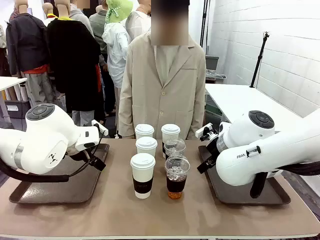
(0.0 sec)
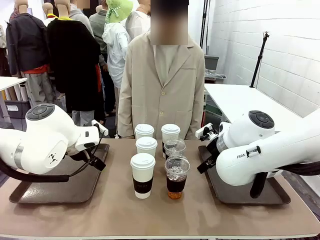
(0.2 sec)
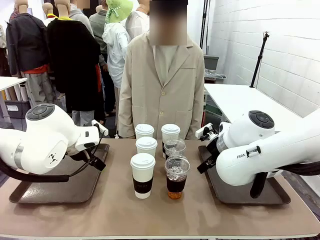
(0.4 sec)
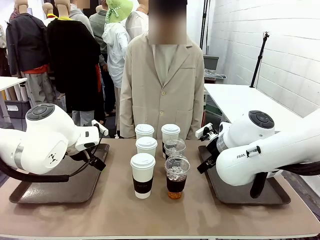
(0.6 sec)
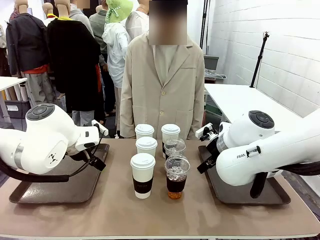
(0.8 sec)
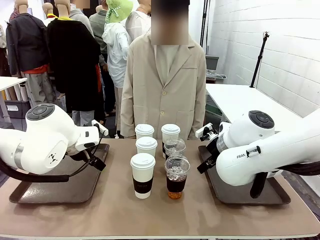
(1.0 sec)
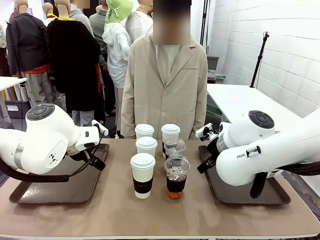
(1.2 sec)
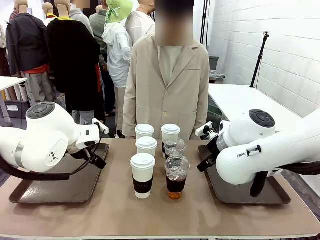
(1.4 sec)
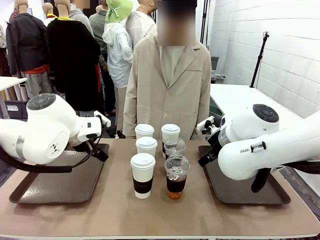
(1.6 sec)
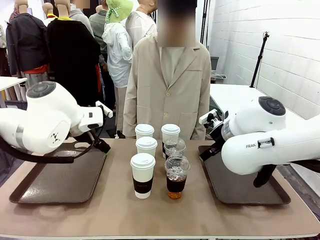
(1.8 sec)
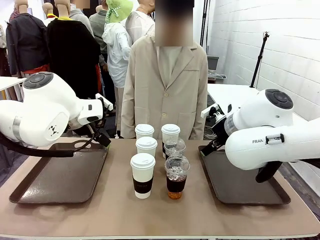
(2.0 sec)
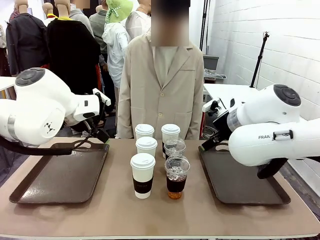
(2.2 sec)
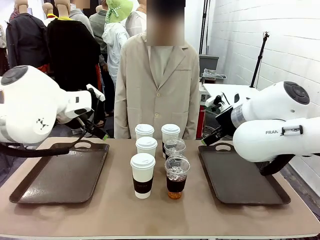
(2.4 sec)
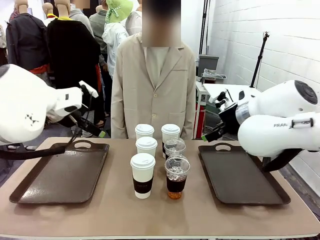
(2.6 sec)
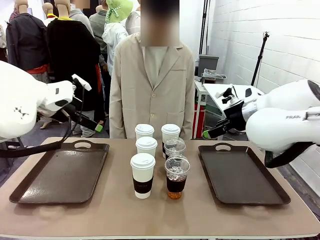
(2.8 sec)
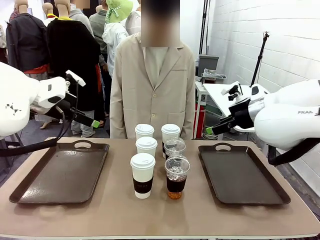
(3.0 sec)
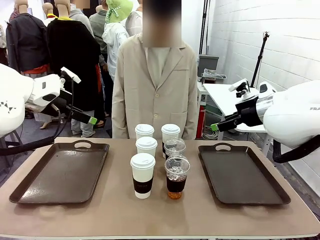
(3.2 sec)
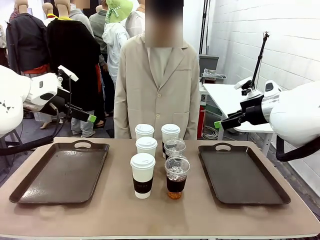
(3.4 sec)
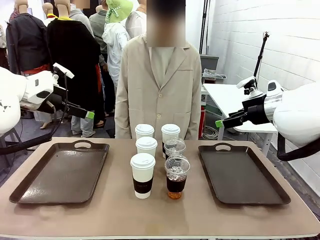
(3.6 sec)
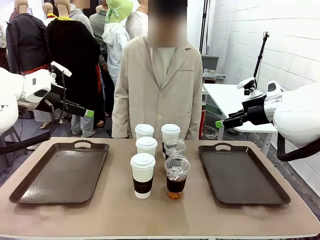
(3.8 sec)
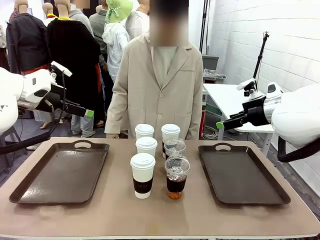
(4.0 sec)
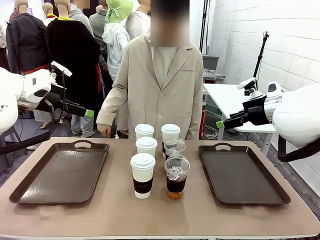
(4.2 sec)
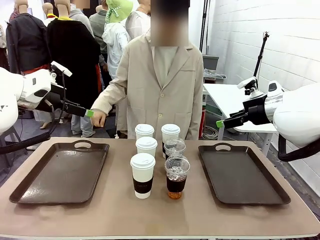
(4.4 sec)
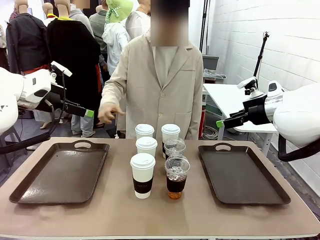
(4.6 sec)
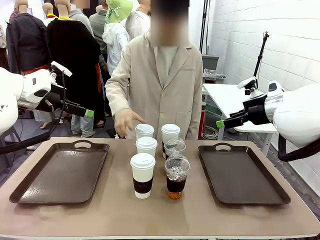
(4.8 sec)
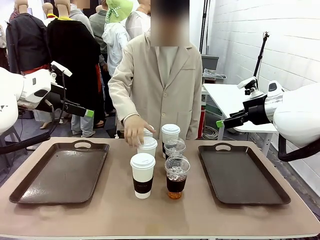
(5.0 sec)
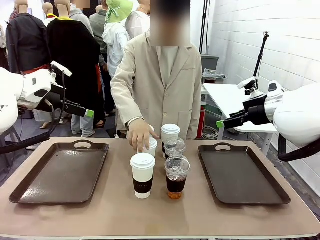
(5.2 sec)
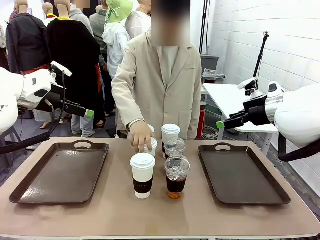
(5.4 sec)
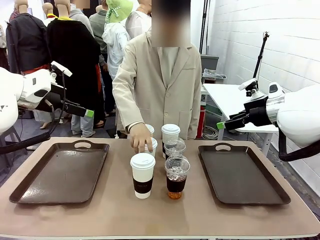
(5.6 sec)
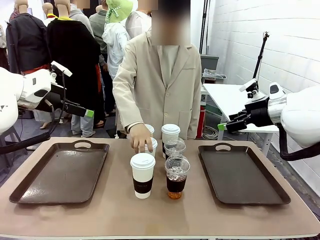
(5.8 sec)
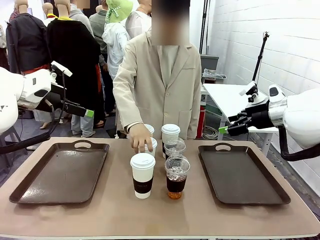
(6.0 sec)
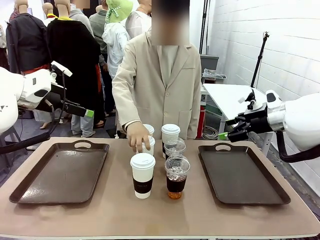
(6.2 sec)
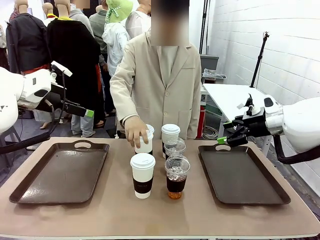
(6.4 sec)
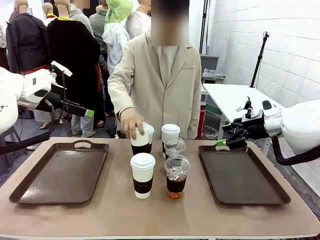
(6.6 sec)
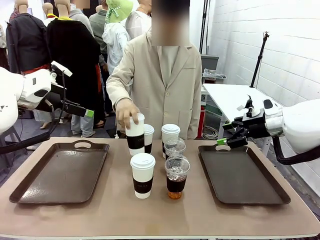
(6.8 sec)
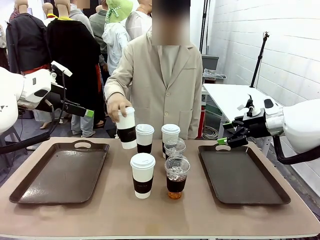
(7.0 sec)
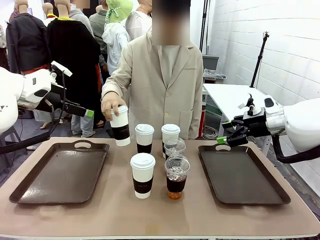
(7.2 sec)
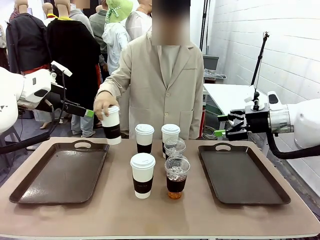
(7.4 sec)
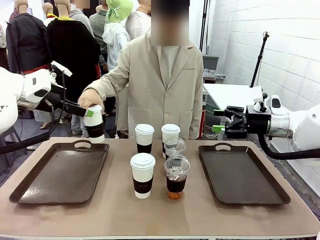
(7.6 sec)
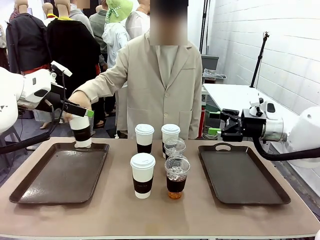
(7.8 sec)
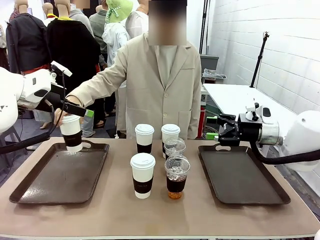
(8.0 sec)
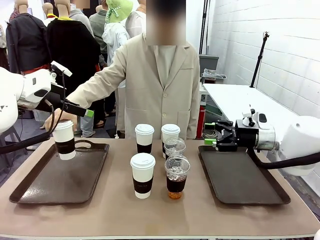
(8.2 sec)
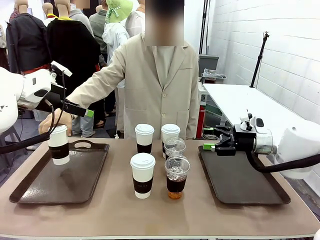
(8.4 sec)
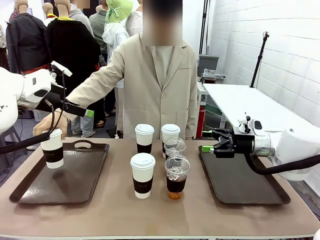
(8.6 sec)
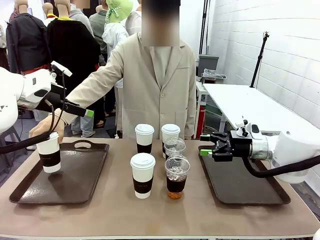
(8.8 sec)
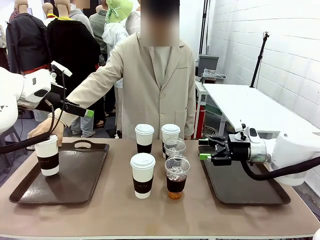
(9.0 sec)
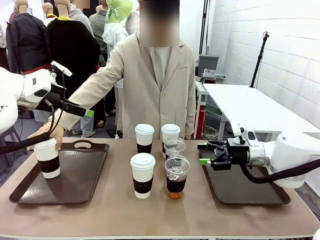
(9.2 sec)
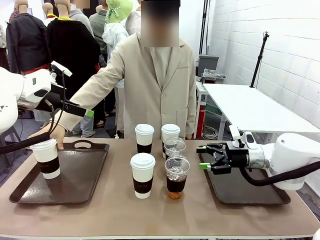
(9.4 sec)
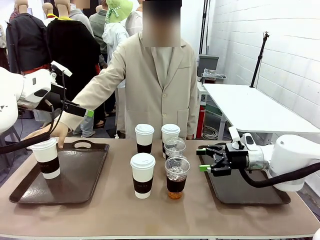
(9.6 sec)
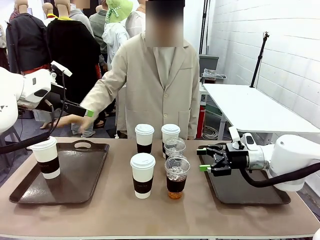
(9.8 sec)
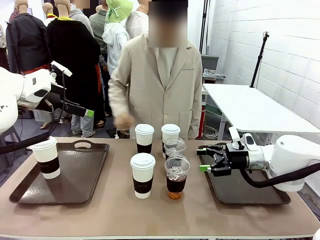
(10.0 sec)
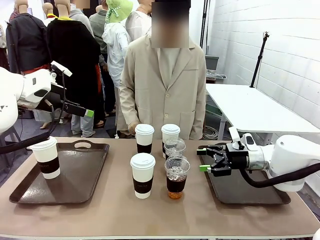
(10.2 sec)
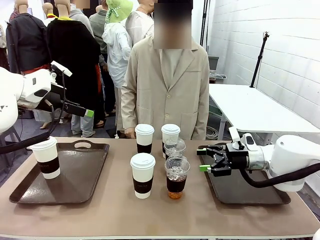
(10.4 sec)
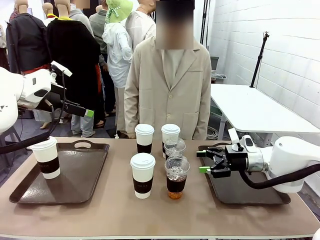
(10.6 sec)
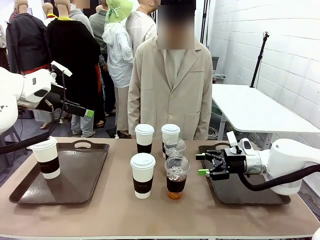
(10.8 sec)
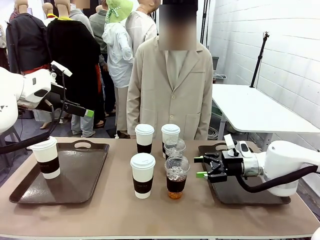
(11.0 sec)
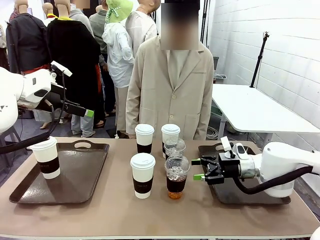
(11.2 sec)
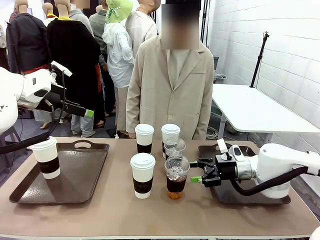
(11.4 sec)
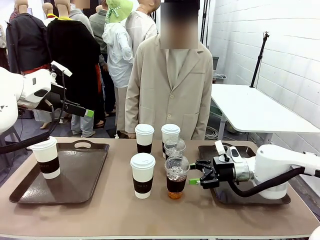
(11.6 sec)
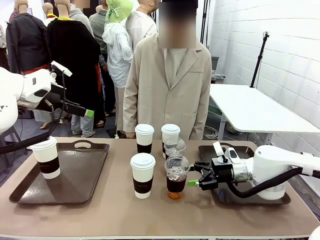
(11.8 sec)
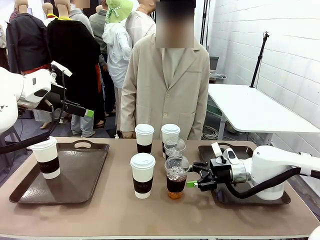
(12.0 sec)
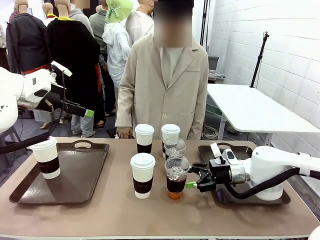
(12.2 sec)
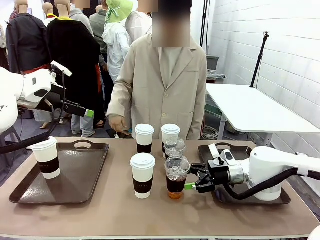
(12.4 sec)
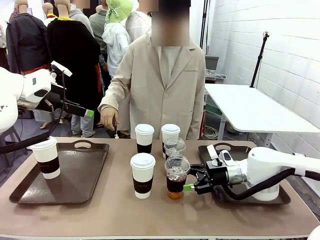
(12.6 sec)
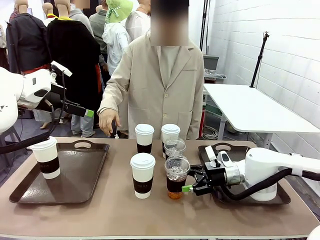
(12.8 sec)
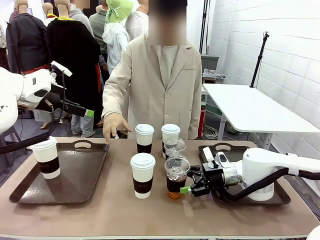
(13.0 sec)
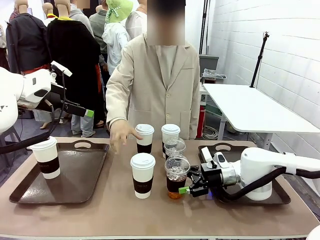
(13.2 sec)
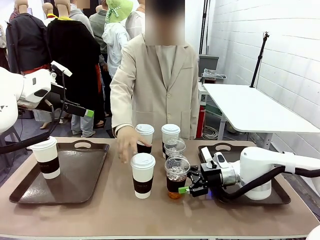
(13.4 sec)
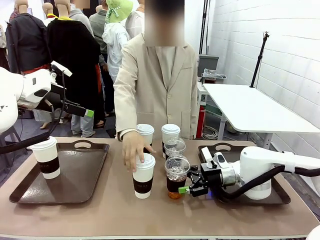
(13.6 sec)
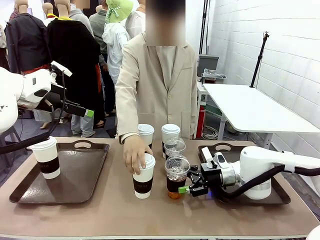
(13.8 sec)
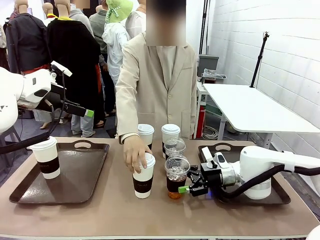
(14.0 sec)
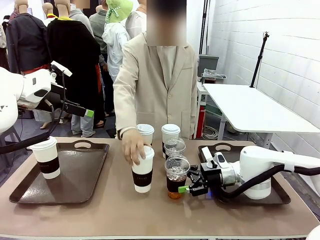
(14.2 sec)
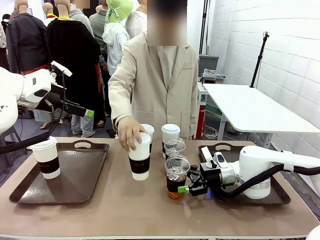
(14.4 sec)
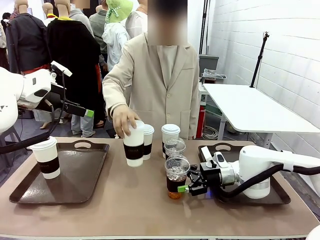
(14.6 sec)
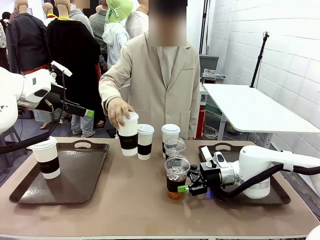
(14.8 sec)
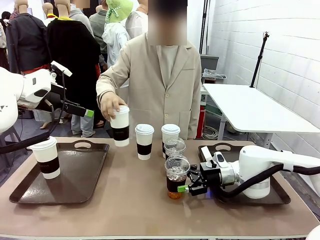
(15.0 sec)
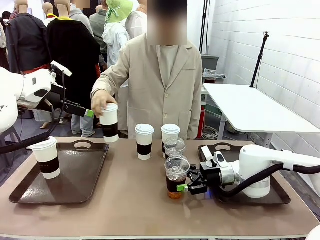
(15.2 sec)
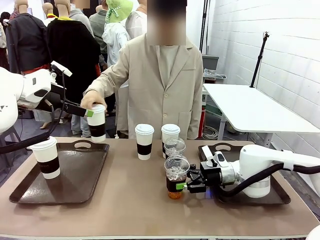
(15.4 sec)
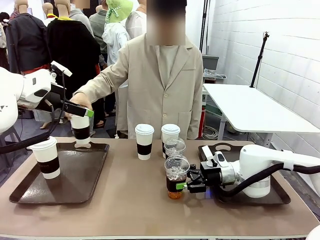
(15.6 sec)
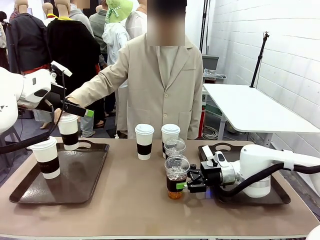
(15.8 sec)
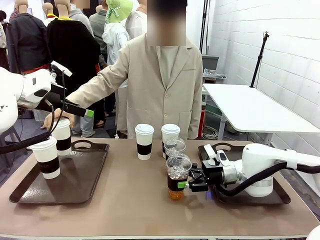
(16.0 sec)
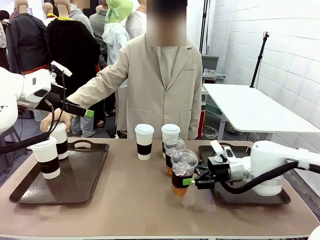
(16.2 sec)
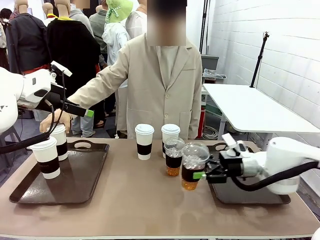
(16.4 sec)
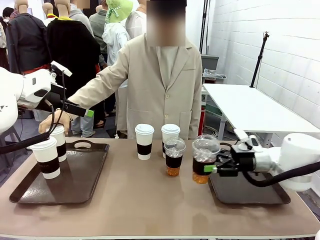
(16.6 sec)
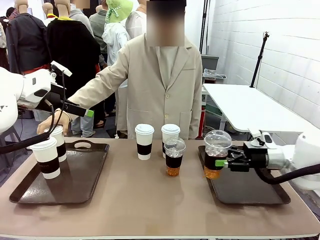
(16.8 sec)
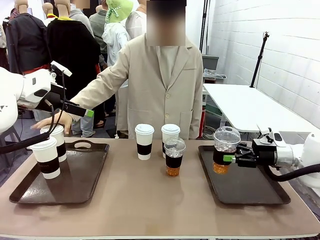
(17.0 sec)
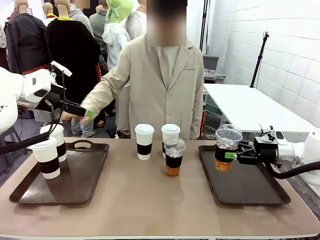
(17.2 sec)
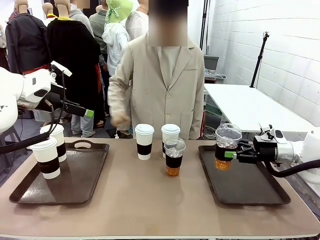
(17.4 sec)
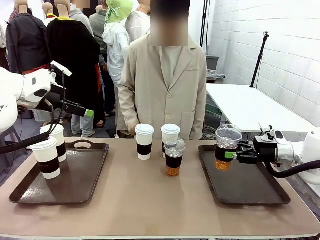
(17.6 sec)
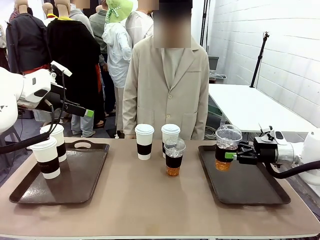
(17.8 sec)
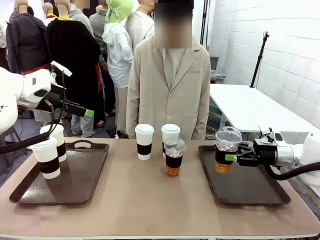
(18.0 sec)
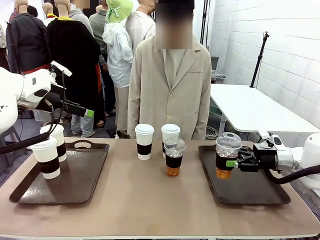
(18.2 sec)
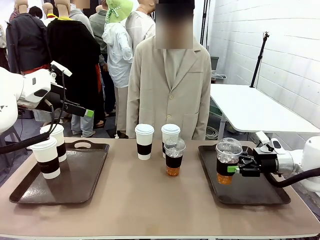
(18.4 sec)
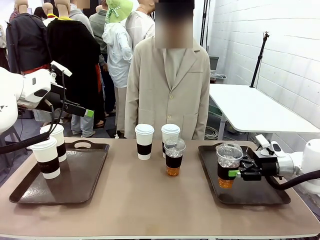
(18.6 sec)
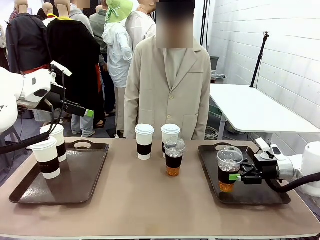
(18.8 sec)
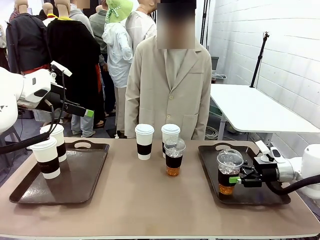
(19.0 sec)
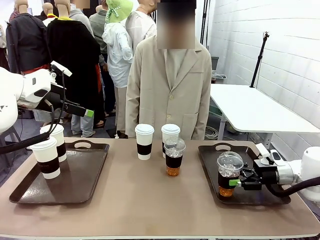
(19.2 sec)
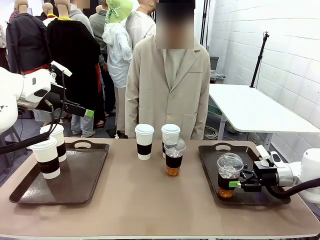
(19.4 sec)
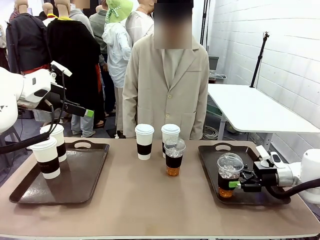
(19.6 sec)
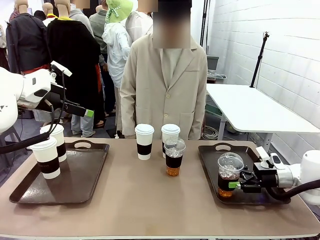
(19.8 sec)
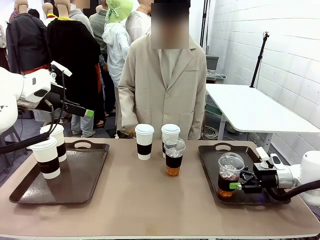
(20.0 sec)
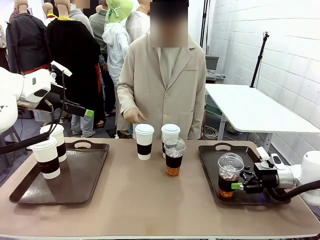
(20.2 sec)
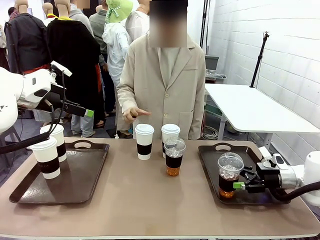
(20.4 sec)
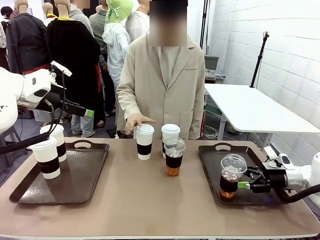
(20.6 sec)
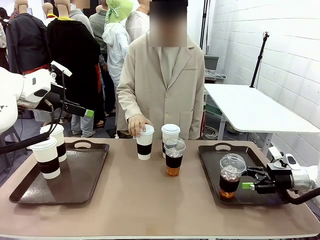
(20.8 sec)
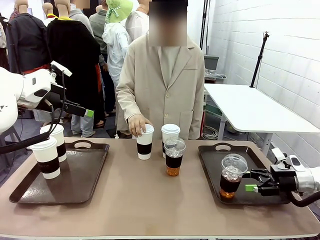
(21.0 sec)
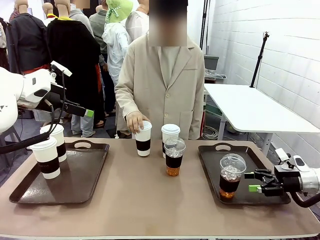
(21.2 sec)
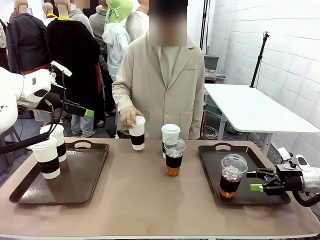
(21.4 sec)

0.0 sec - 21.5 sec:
Task: Distribute the coffee onto the tray.
Robot: Pick up one iced Americano and place it on the right Handle tray.
Person: Pick up a cup of hot Americano and place it on the right tray.
